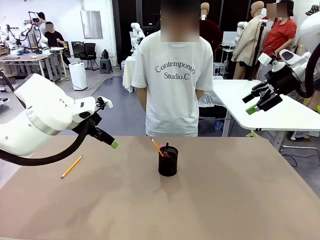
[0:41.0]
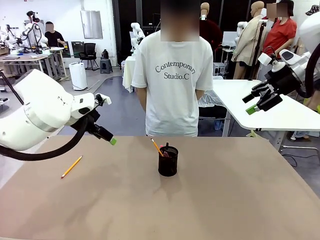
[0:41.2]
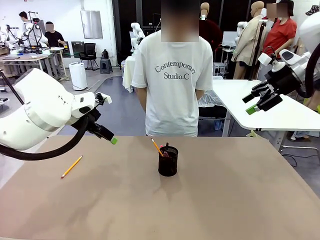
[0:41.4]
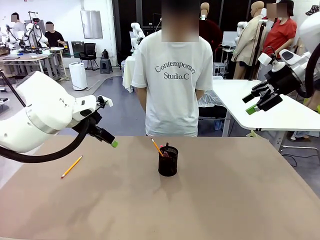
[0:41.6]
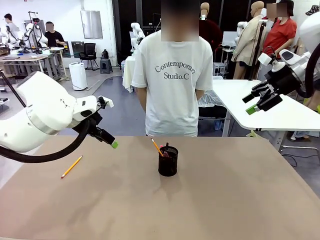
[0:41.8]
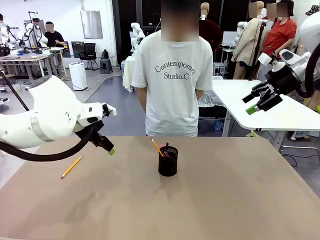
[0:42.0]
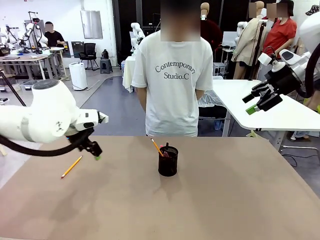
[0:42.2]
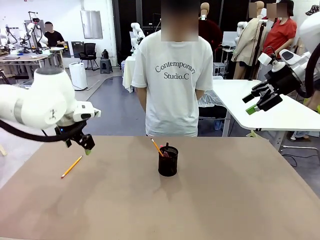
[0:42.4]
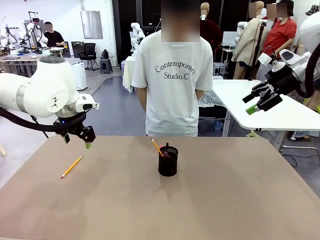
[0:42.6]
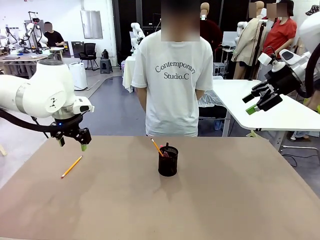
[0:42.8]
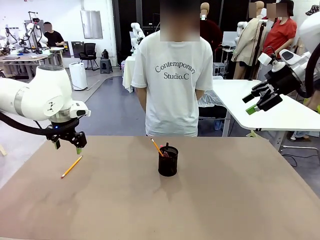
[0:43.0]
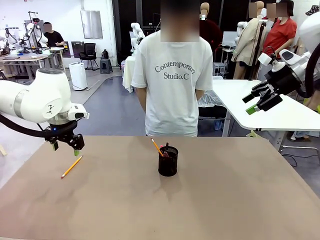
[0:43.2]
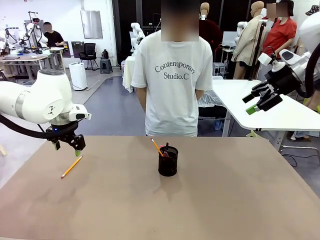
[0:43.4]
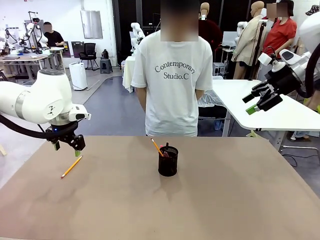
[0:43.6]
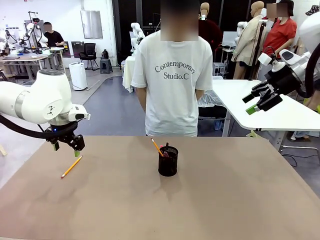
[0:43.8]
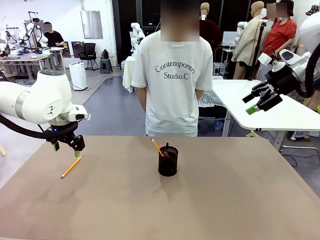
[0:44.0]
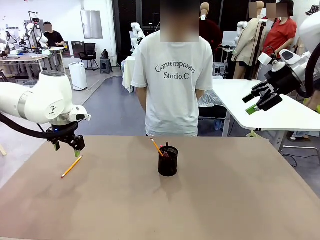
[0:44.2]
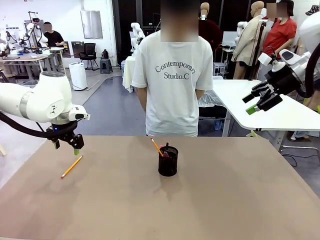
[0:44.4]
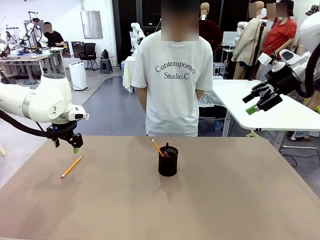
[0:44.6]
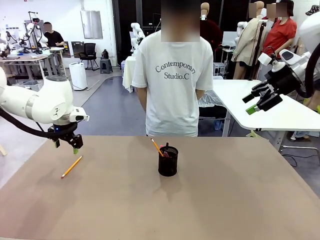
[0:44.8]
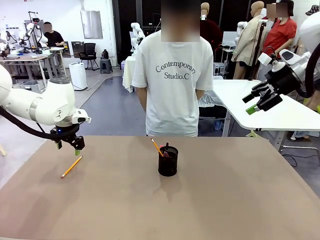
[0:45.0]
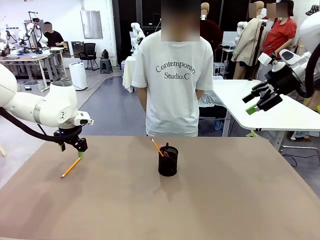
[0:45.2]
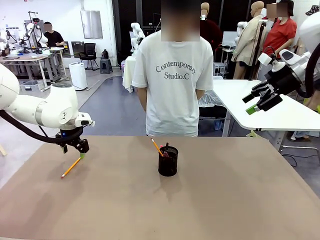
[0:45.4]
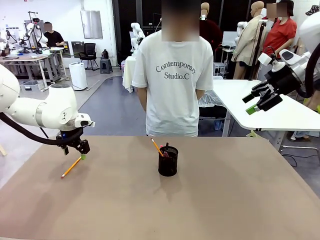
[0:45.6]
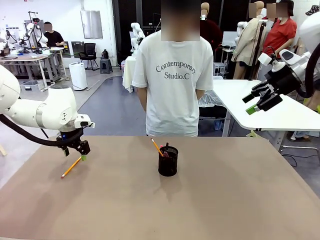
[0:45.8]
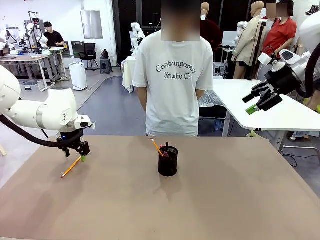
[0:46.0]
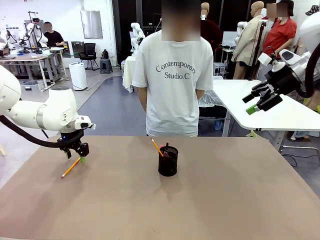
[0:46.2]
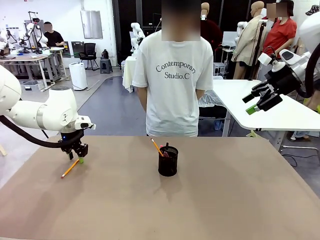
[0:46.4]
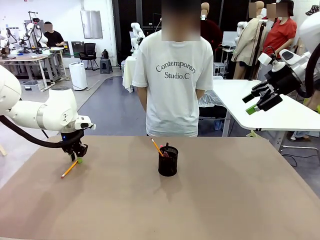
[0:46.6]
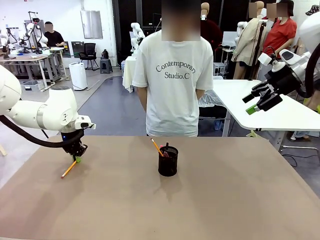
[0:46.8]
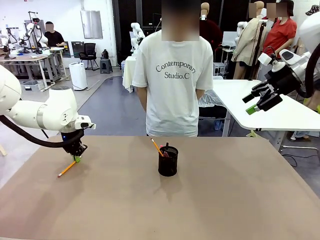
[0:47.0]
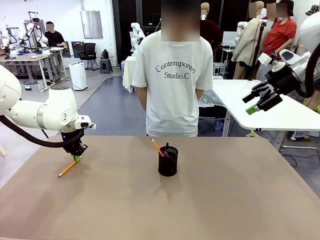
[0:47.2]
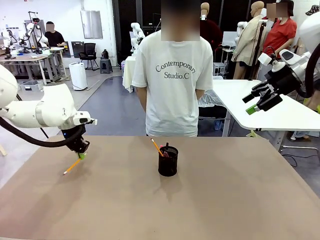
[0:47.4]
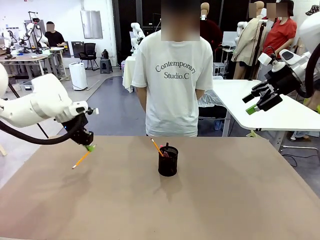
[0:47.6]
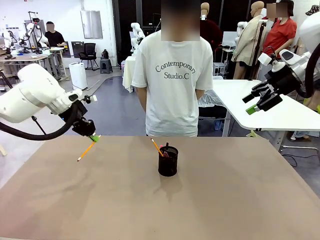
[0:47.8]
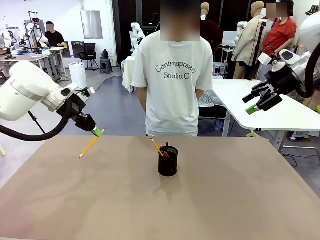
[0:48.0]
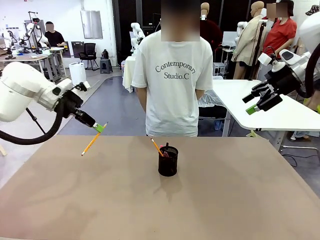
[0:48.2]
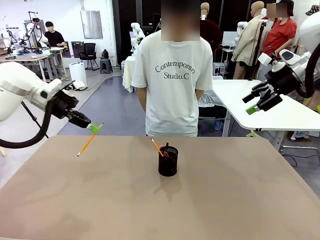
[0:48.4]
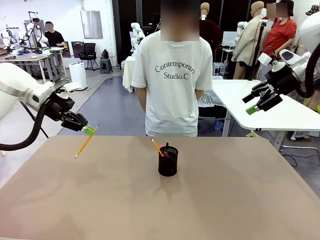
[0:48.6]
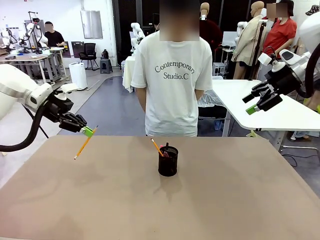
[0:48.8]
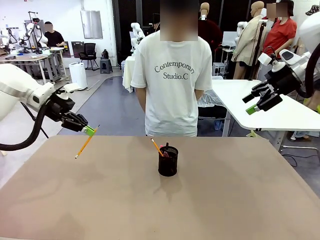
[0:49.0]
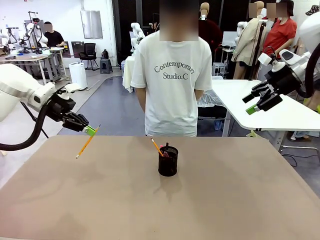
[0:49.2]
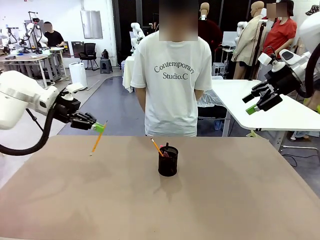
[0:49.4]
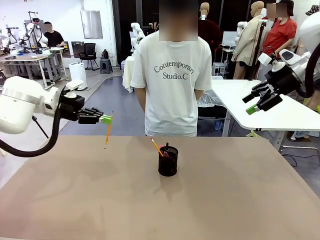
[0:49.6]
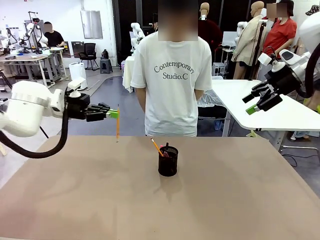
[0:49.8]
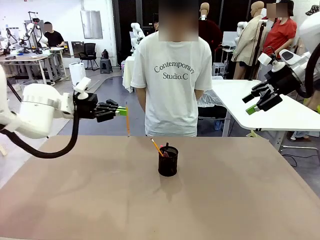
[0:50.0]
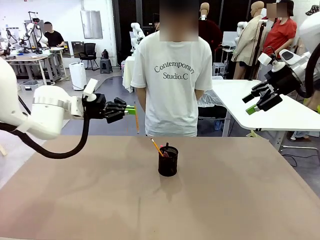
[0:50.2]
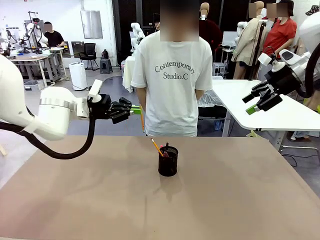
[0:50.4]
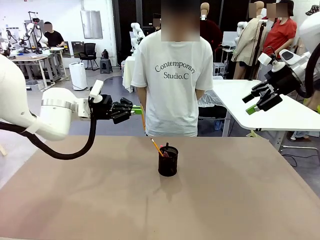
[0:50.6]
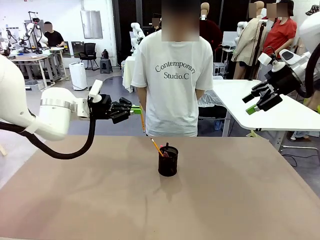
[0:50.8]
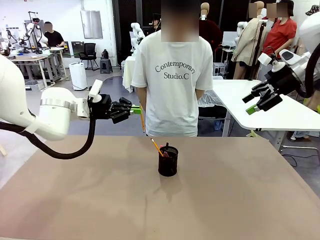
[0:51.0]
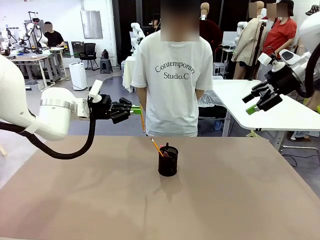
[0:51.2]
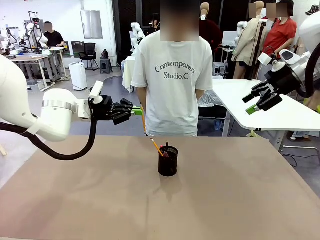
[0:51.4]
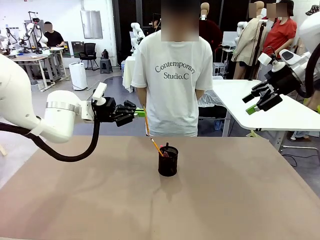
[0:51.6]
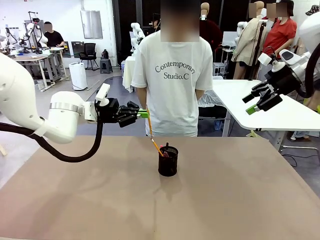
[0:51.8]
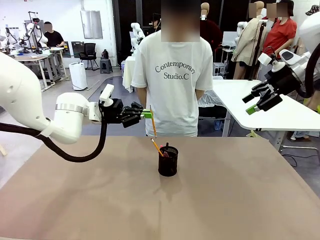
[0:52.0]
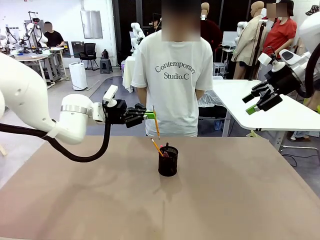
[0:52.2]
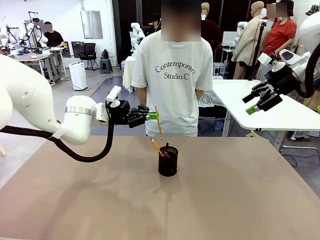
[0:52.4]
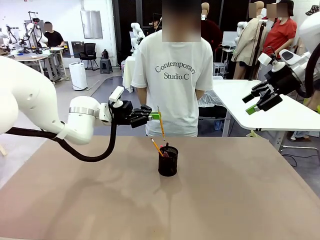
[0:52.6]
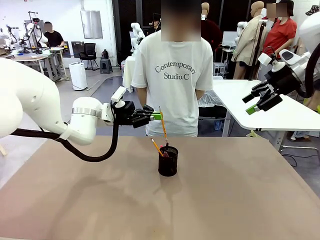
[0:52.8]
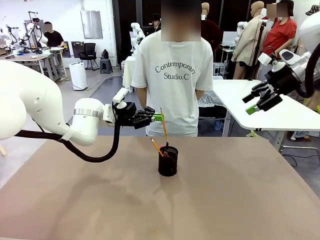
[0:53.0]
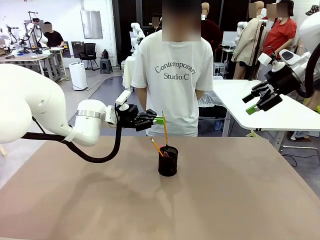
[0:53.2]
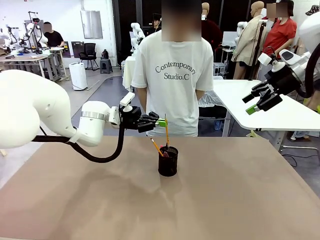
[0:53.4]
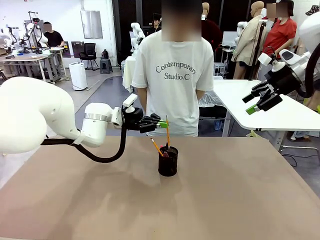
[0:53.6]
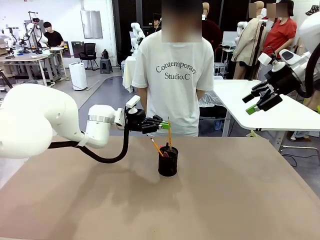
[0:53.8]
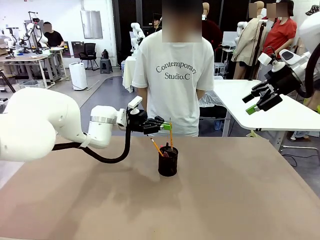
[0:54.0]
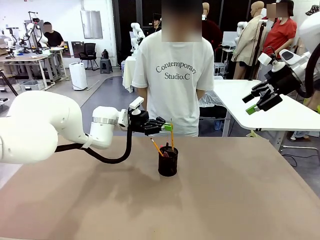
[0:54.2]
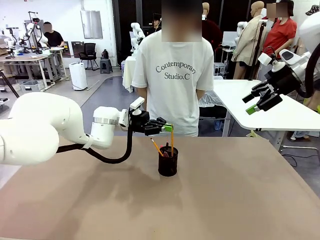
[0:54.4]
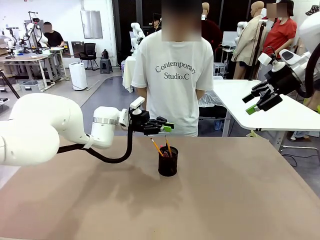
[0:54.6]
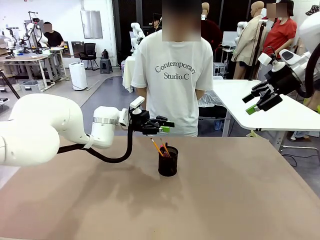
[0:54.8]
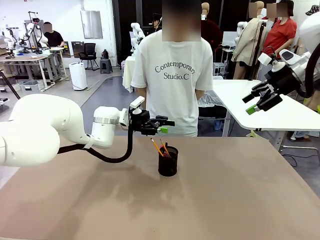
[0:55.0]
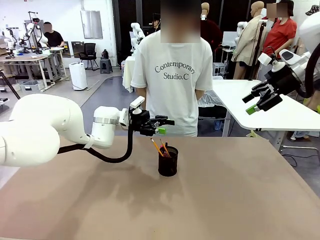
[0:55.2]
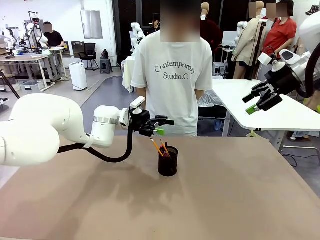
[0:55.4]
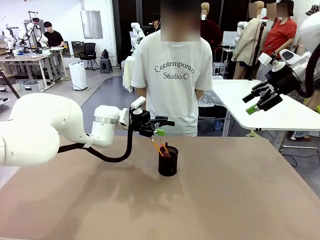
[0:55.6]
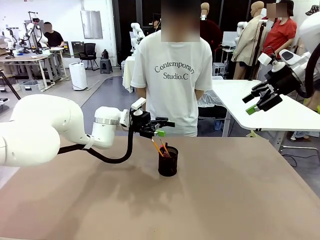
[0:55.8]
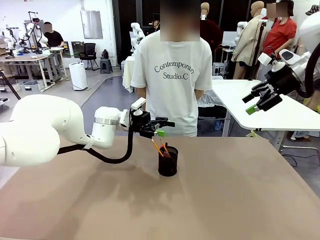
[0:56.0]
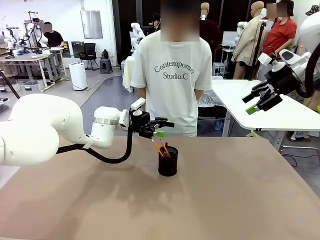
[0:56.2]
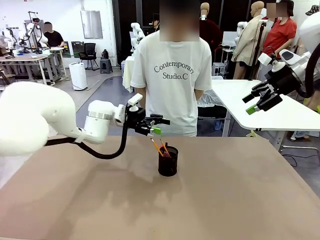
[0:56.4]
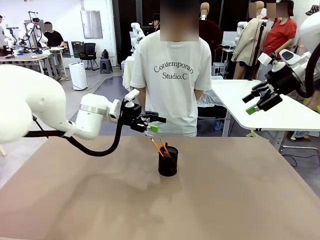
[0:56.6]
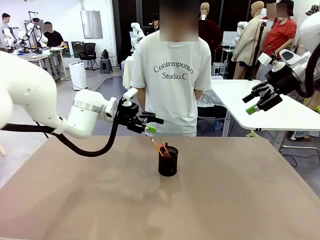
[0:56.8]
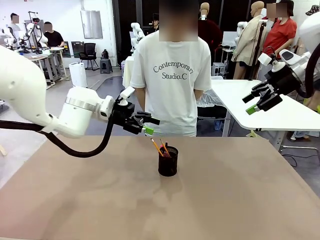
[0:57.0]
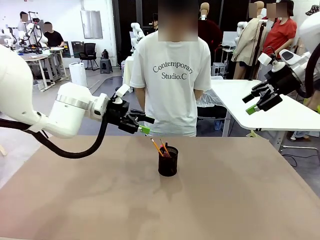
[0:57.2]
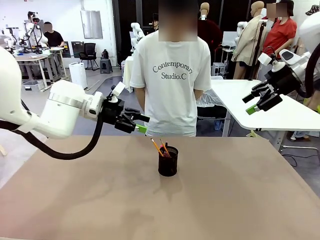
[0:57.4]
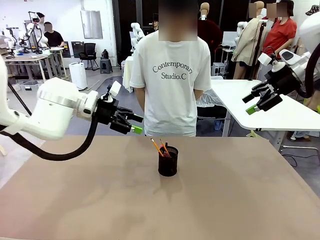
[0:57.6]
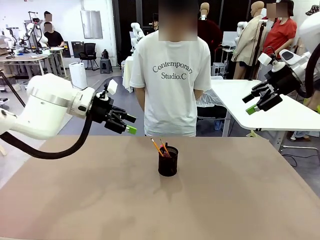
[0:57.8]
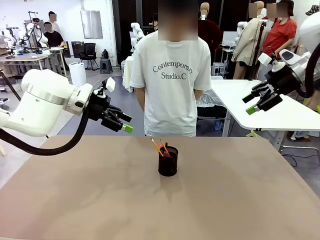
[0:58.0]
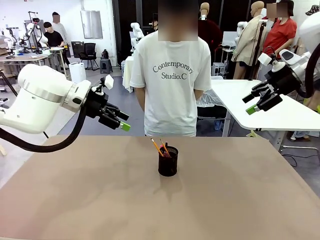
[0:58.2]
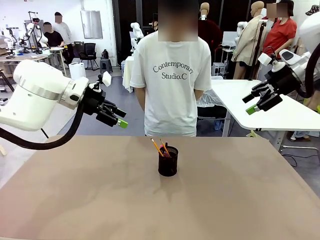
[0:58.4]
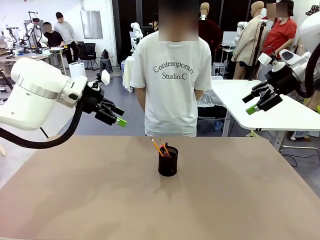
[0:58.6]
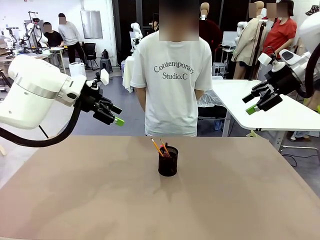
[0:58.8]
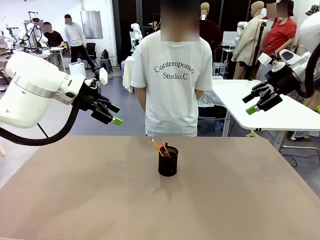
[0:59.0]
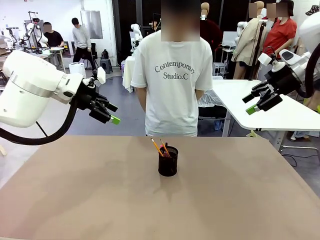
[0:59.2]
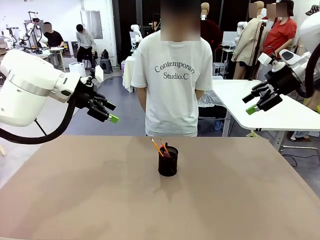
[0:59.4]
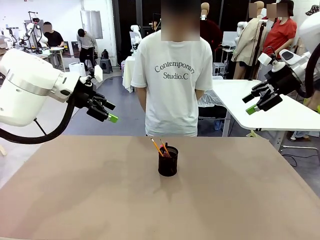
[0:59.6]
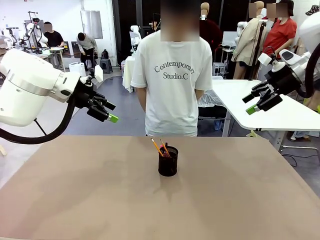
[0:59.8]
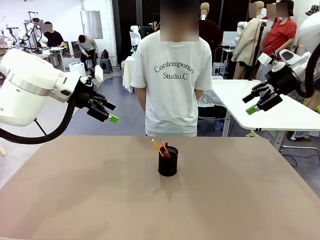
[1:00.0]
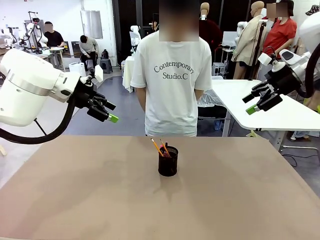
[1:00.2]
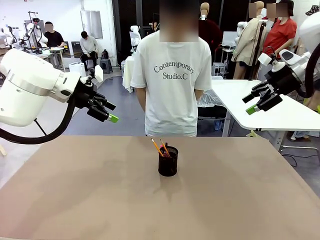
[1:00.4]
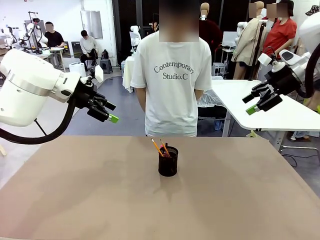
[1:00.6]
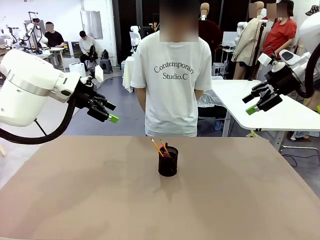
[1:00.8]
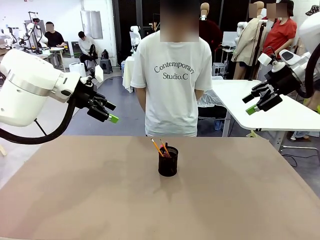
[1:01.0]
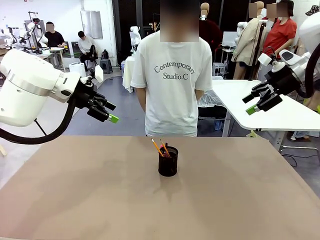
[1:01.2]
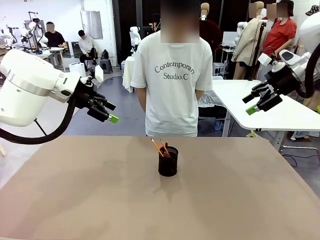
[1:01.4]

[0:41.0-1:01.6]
Task: Place the pens into the pen holder.
Robot: Pick up a writing instrument from the table and place it into the Pen holder.
